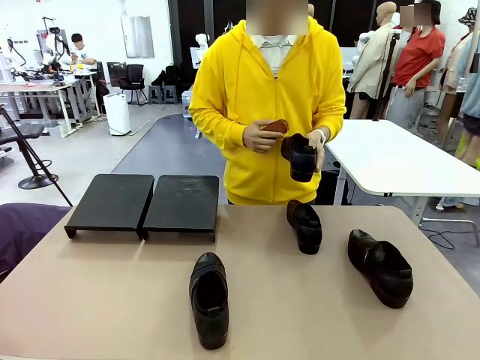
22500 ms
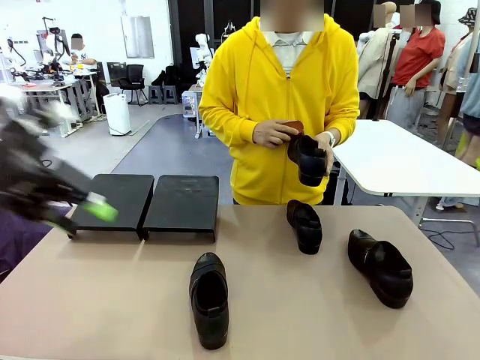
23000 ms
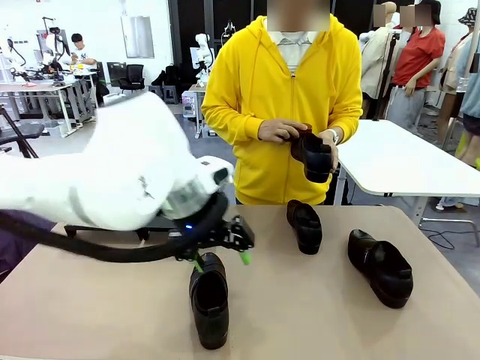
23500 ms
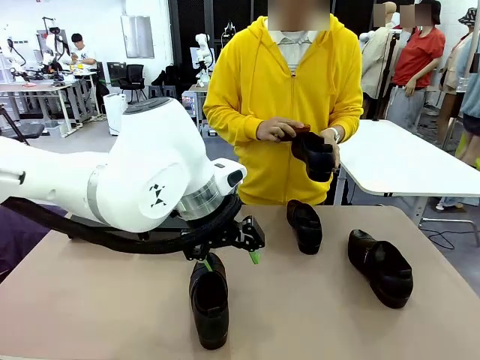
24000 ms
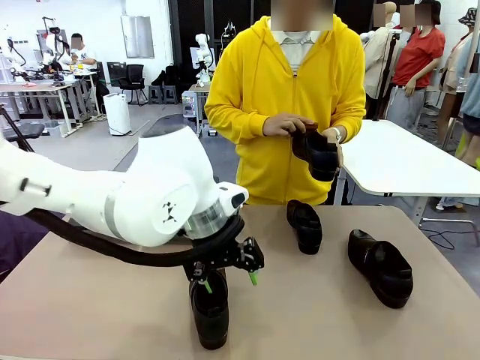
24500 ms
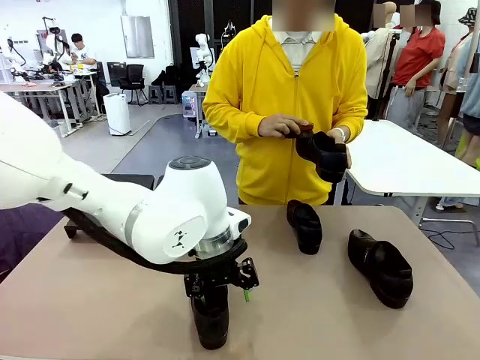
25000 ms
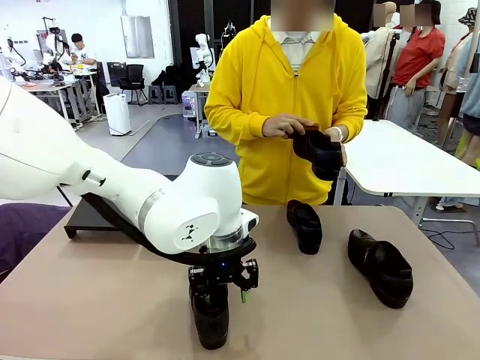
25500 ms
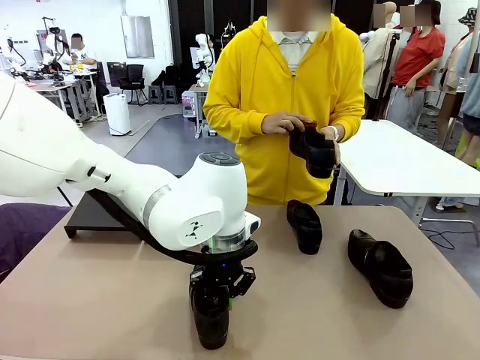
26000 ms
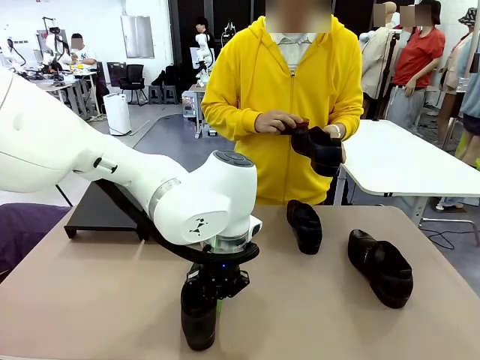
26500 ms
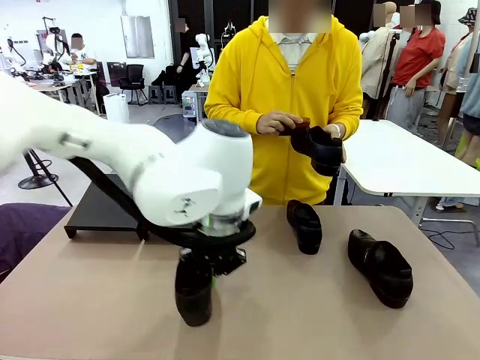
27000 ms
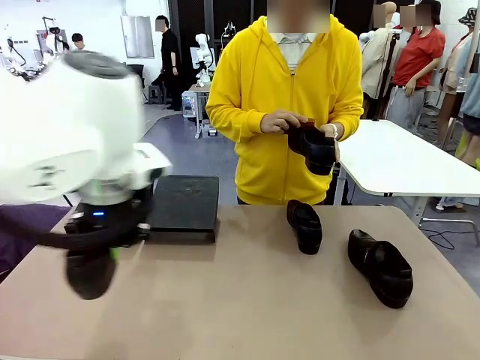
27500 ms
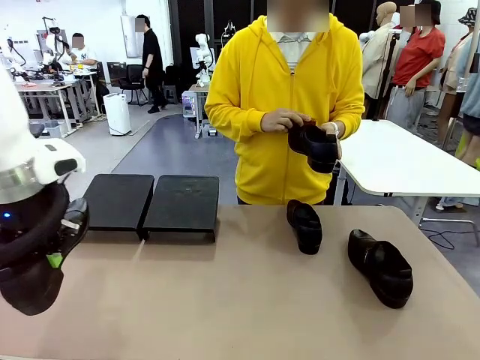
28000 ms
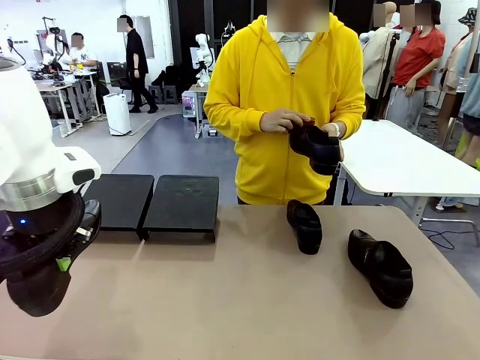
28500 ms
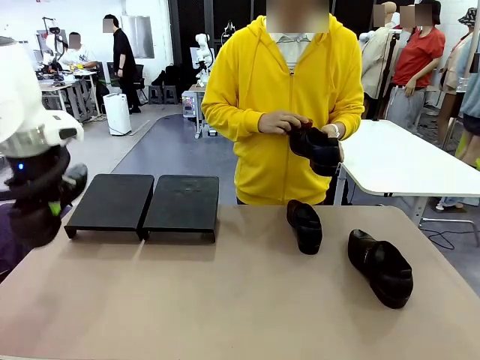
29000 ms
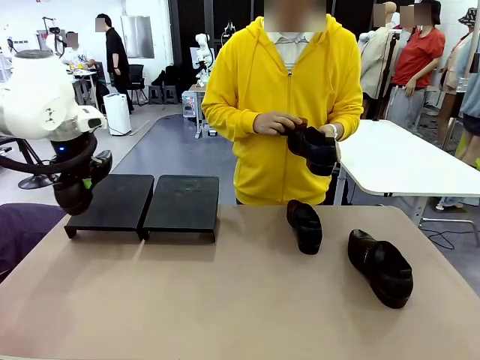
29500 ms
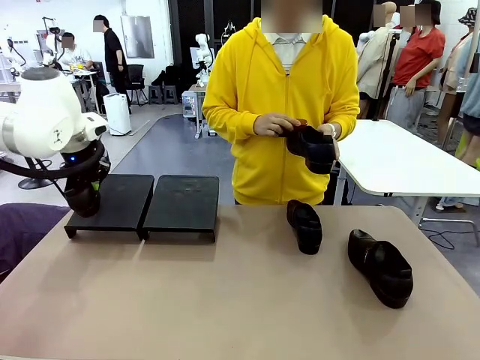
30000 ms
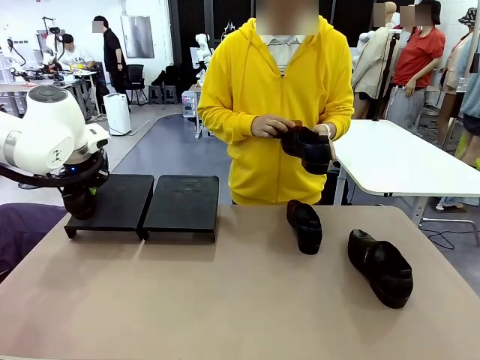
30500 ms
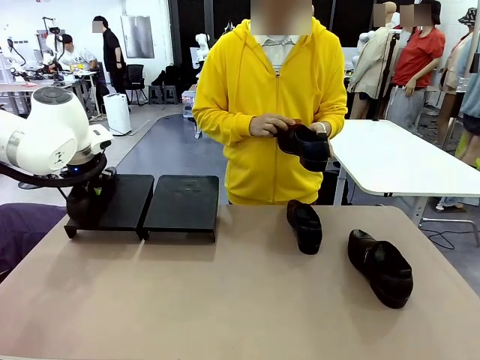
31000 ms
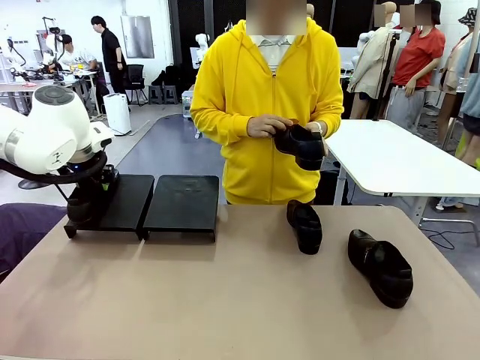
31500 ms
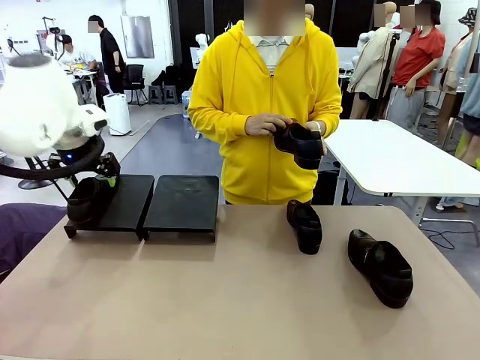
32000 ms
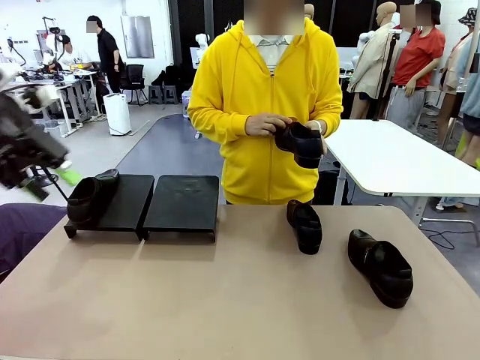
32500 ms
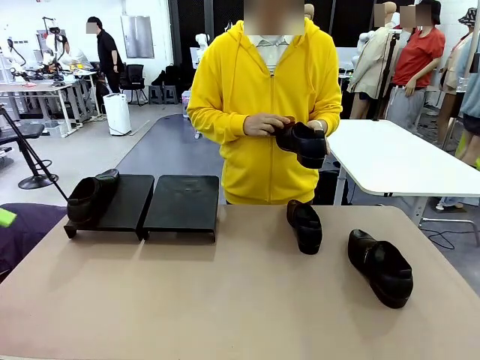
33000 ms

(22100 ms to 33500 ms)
Task: Organize the shoes by placing them on the stand.
Robot: Place the Shoe from the middle of the table onto the Shoes Stand.
Person: Clean the Shoe with the Shoe Brush.

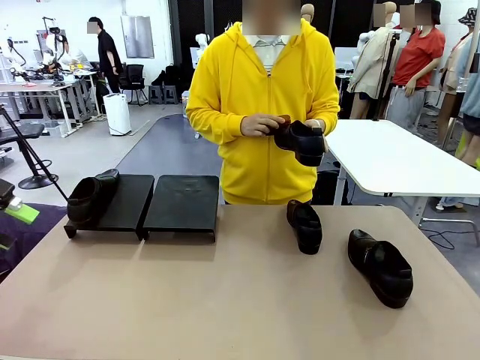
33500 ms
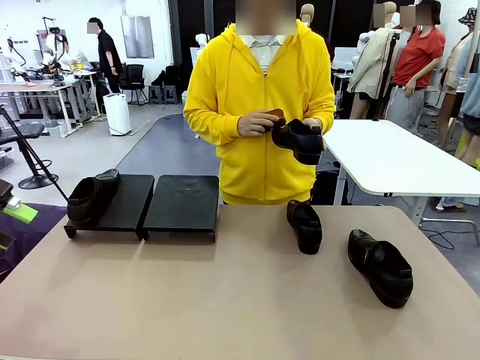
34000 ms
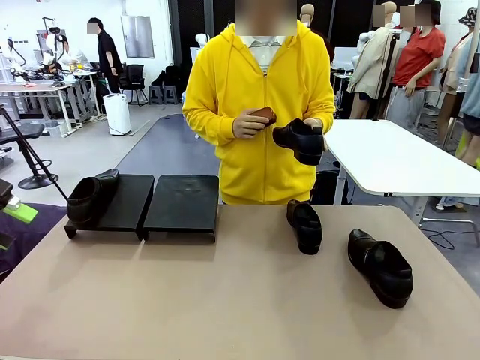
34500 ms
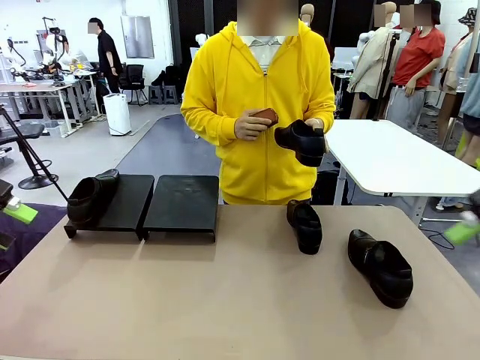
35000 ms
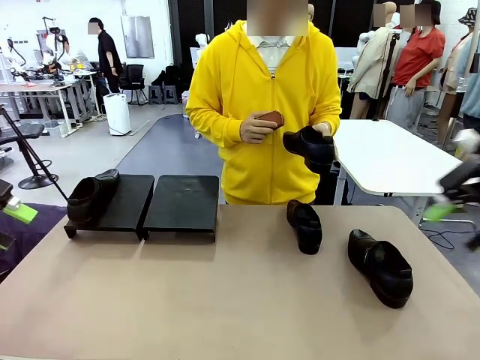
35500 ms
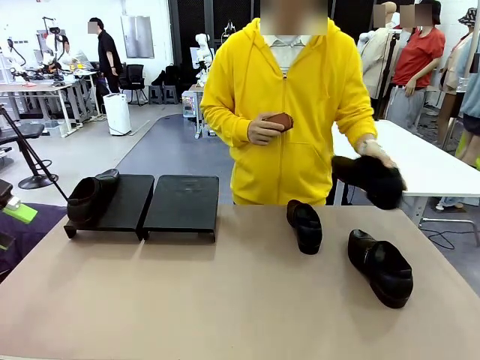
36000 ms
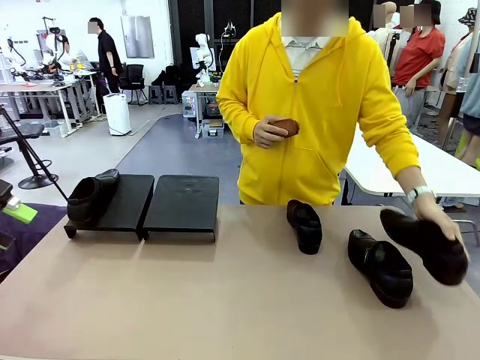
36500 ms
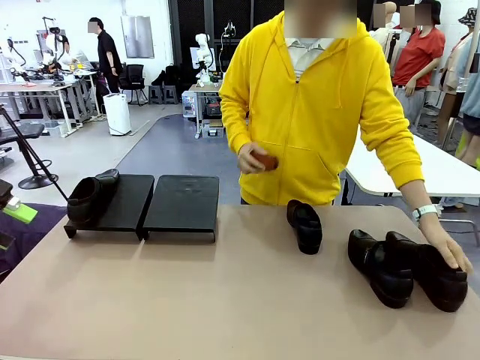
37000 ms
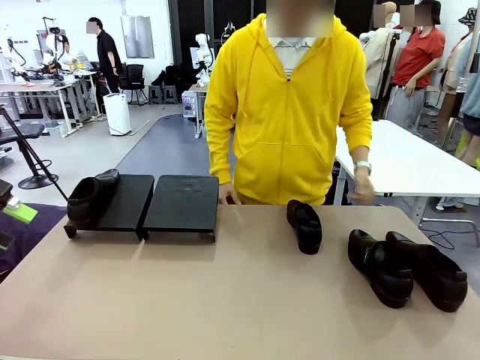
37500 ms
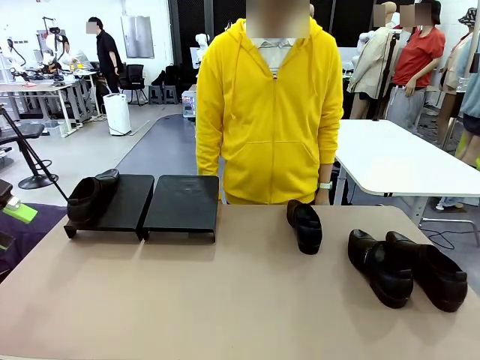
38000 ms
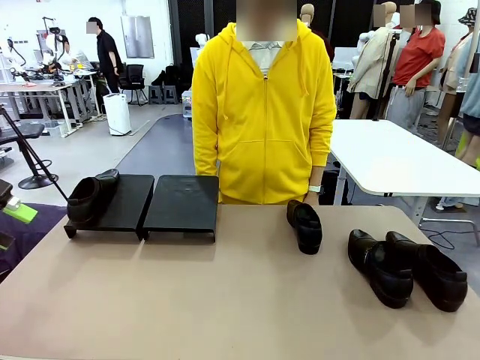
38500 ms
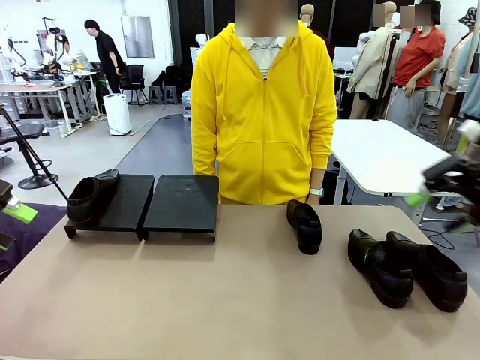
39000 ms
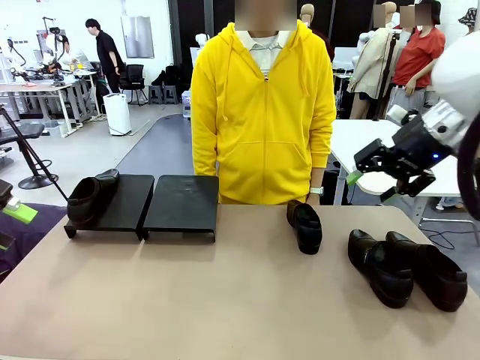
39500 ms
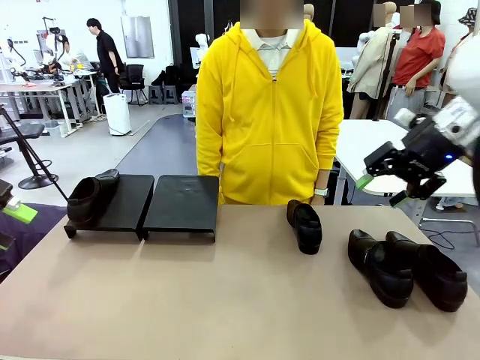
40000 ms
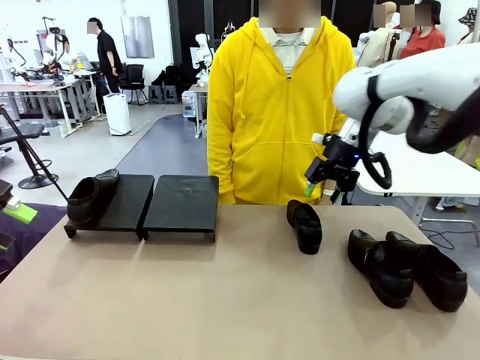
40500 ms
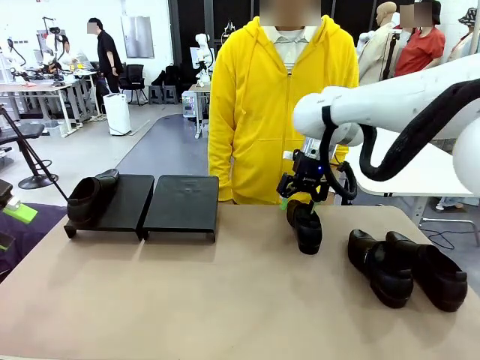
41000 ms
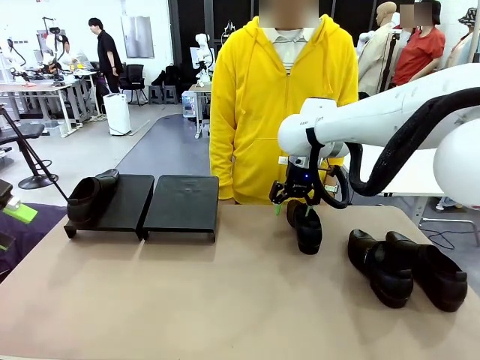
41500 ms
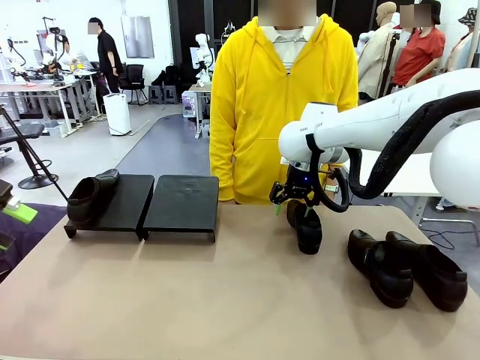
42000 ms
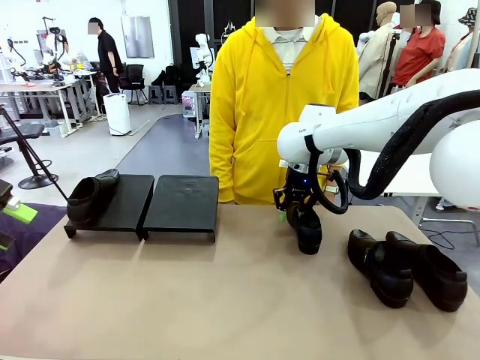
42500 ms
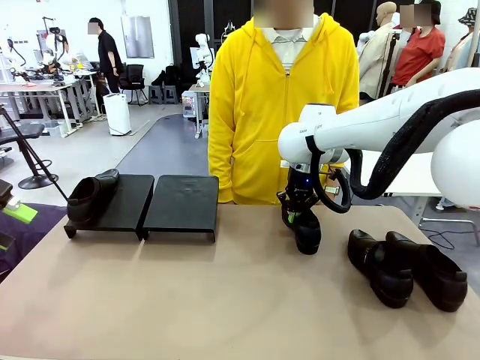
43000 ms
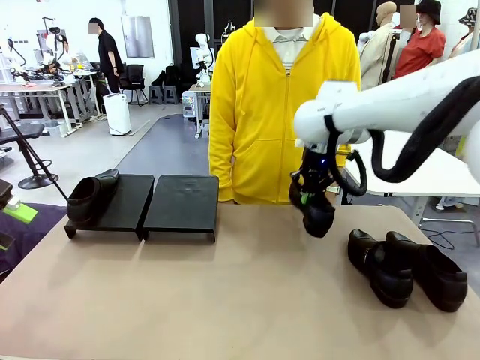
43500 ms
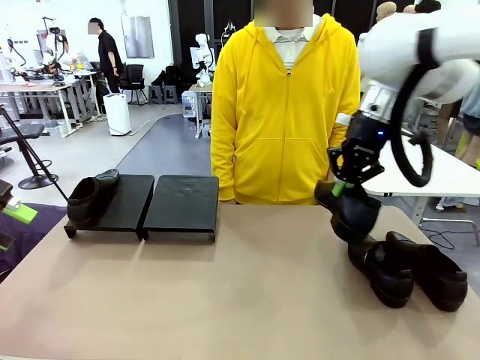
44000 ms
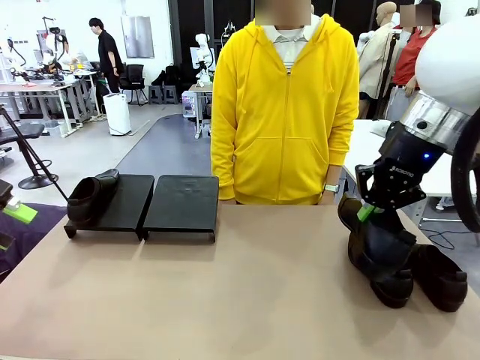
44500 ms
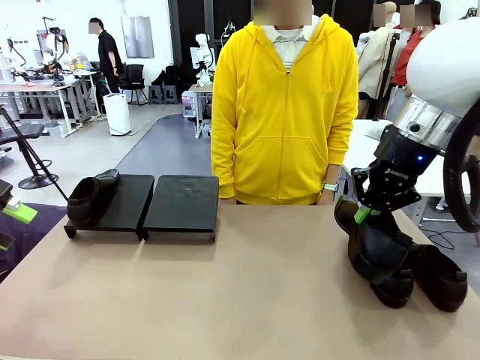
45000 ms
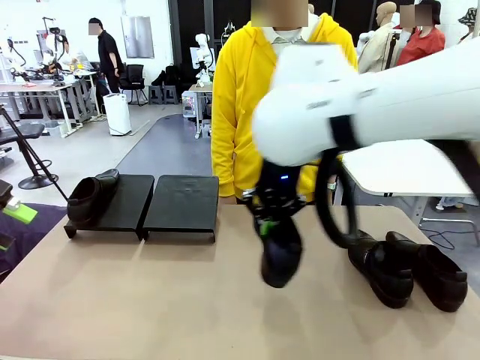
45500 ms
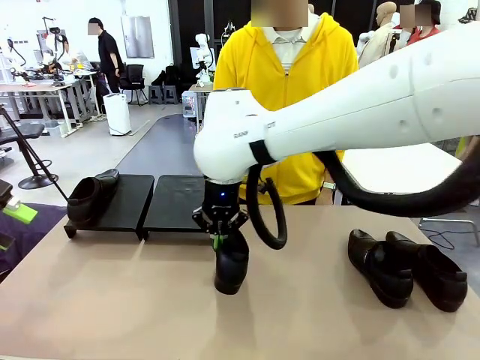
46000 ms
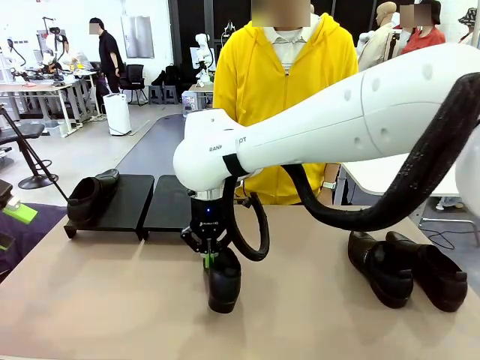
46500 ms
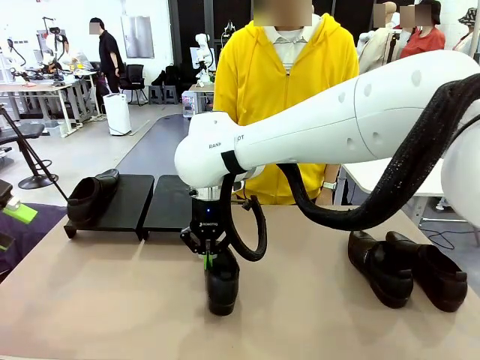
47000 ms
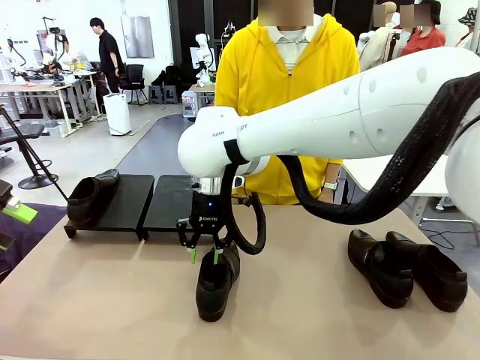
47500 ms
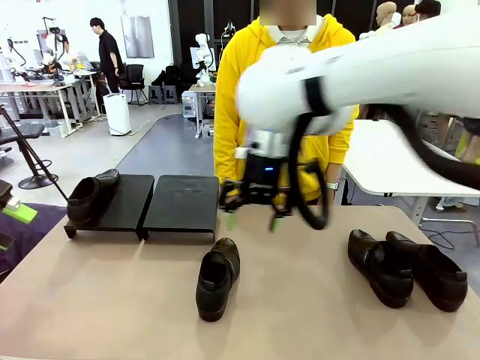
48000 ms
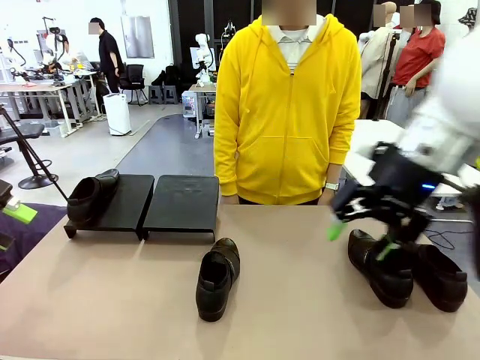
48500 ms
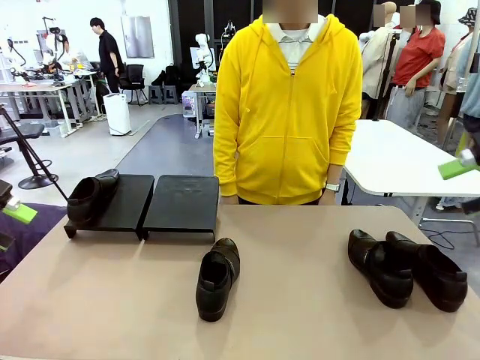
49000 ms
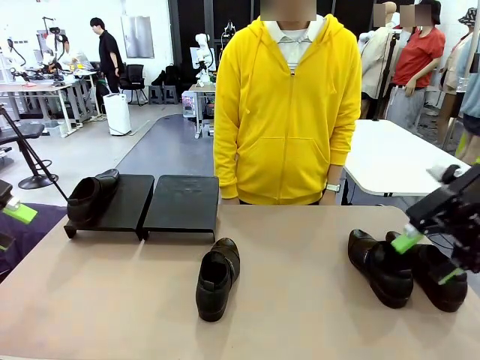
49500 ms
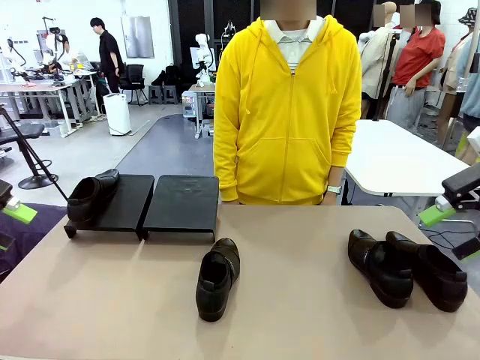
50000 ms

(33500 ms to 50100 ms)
Robot: Pick up one Shoe and place it in the middle of the table.
